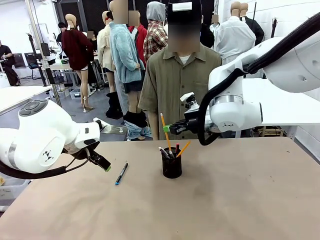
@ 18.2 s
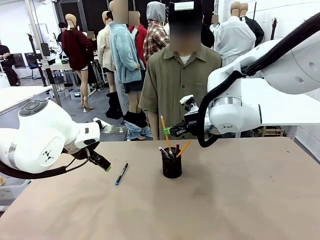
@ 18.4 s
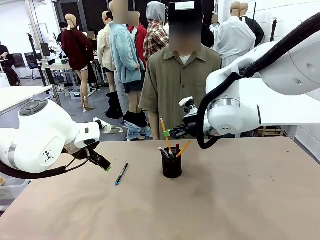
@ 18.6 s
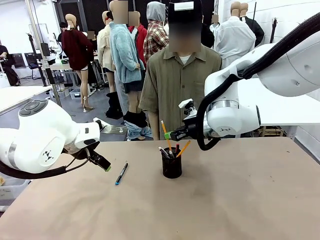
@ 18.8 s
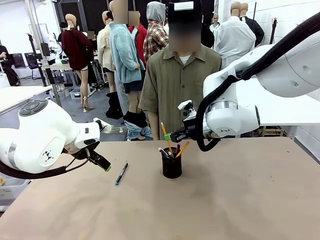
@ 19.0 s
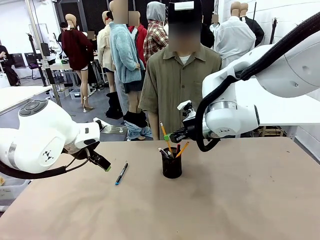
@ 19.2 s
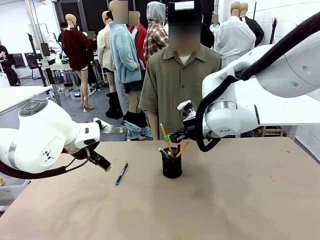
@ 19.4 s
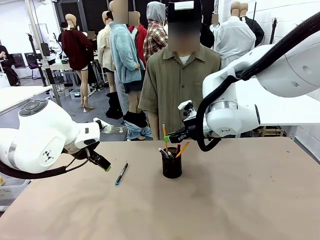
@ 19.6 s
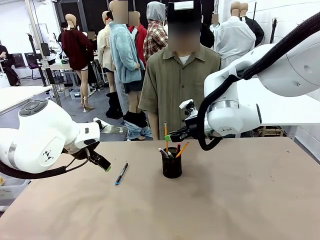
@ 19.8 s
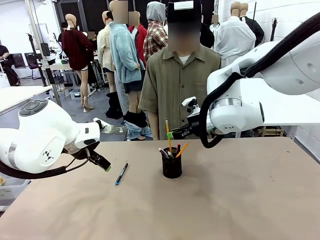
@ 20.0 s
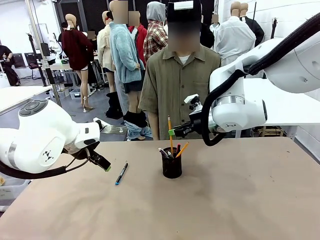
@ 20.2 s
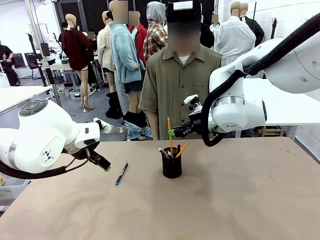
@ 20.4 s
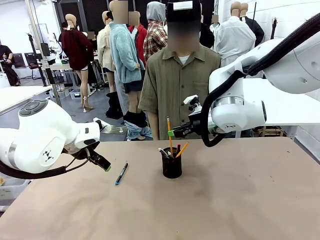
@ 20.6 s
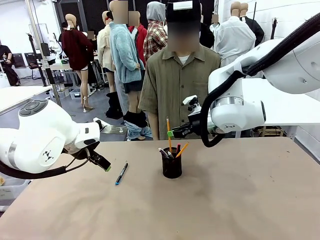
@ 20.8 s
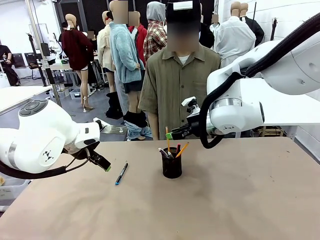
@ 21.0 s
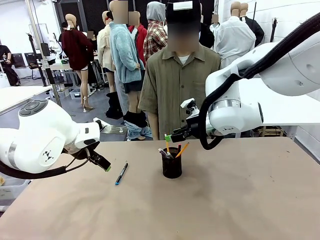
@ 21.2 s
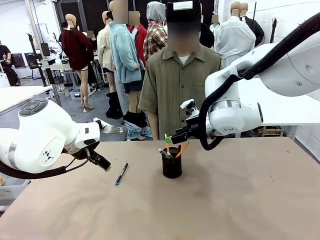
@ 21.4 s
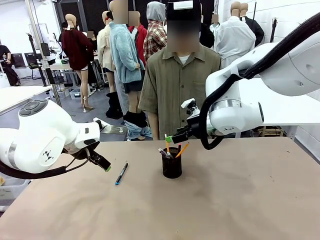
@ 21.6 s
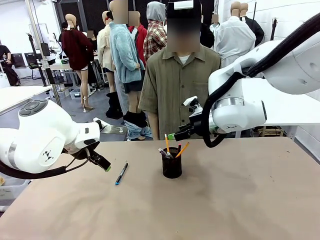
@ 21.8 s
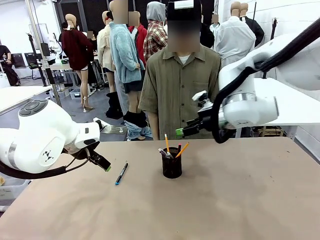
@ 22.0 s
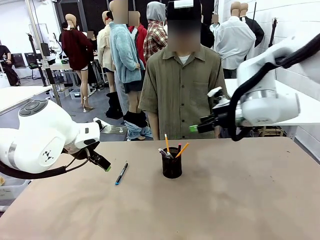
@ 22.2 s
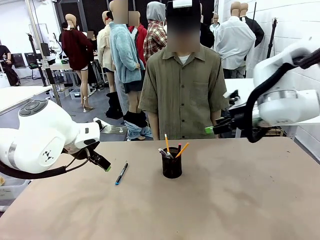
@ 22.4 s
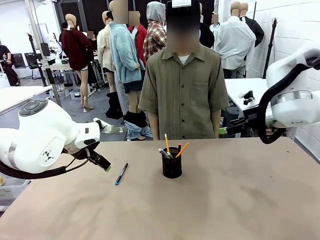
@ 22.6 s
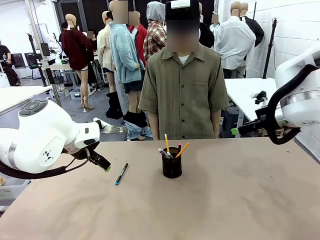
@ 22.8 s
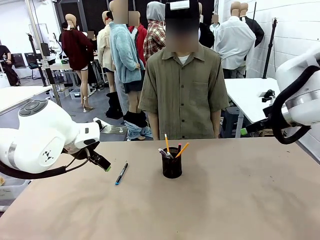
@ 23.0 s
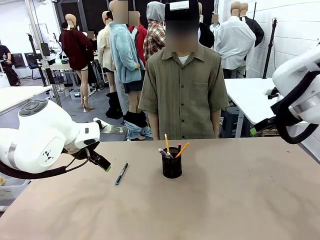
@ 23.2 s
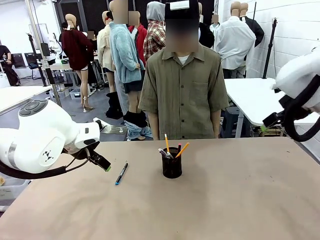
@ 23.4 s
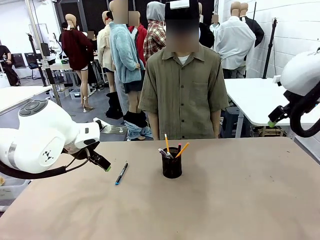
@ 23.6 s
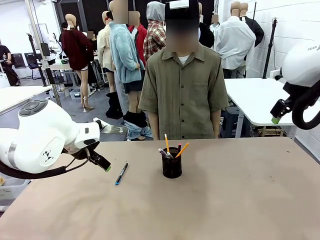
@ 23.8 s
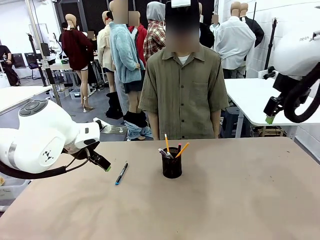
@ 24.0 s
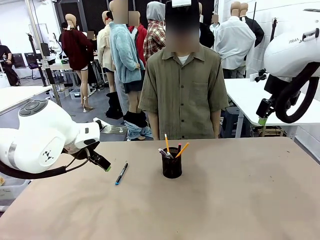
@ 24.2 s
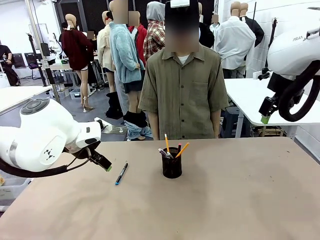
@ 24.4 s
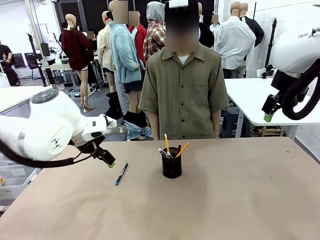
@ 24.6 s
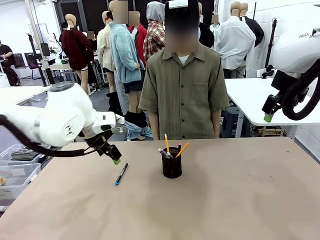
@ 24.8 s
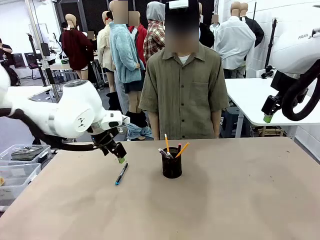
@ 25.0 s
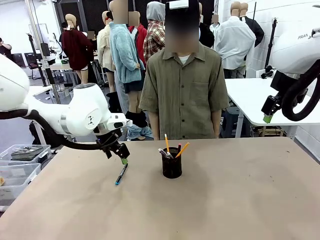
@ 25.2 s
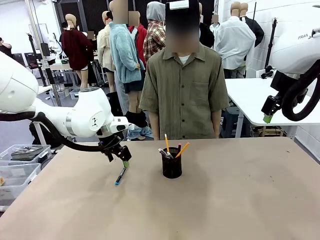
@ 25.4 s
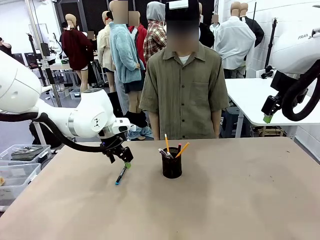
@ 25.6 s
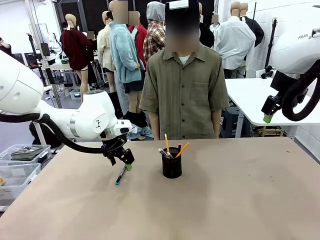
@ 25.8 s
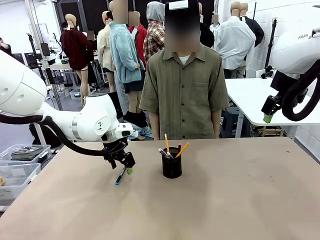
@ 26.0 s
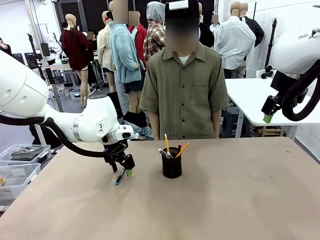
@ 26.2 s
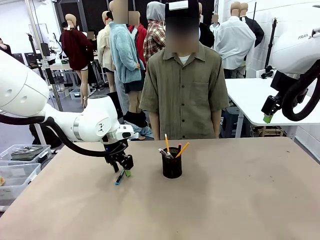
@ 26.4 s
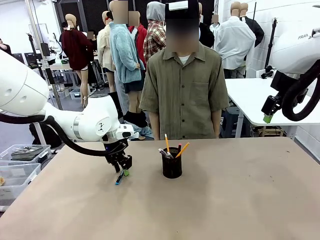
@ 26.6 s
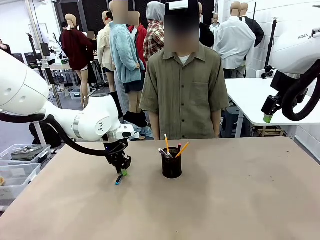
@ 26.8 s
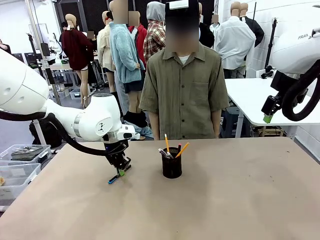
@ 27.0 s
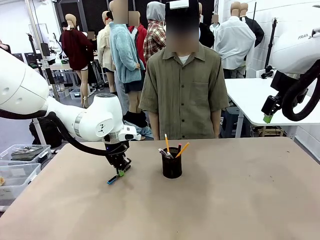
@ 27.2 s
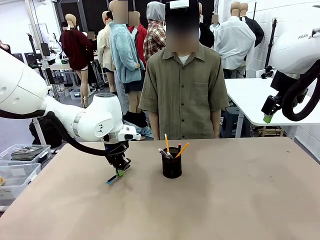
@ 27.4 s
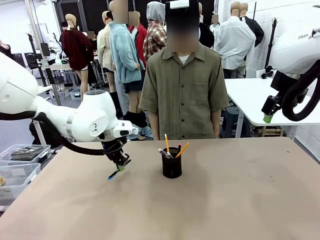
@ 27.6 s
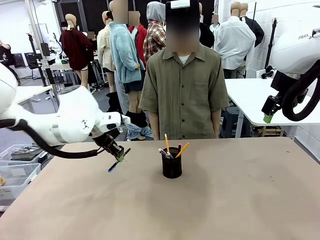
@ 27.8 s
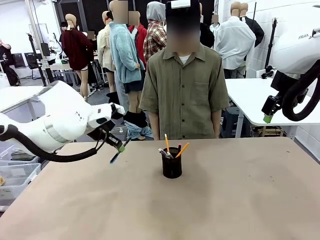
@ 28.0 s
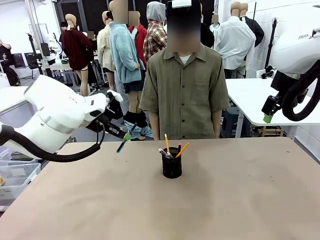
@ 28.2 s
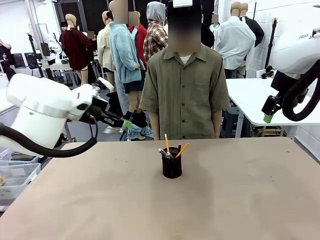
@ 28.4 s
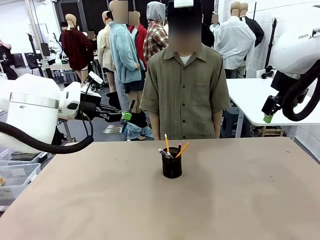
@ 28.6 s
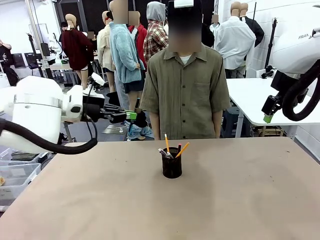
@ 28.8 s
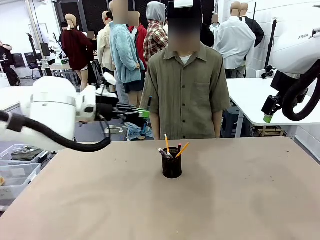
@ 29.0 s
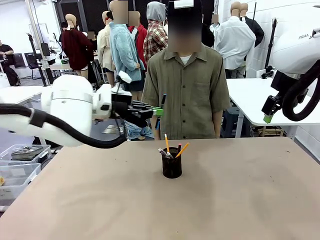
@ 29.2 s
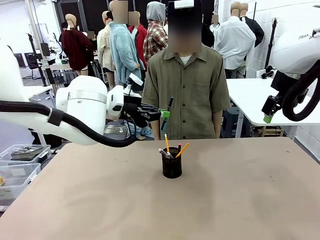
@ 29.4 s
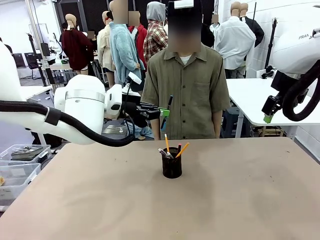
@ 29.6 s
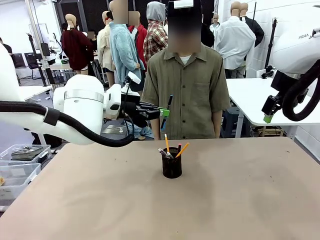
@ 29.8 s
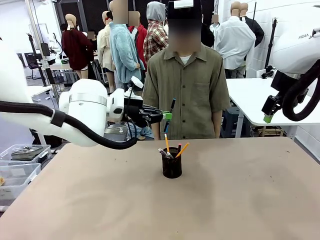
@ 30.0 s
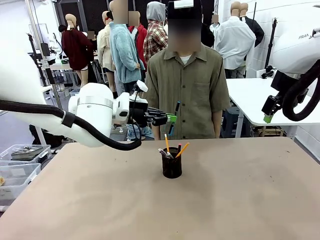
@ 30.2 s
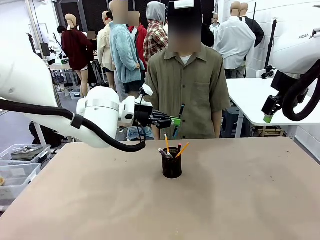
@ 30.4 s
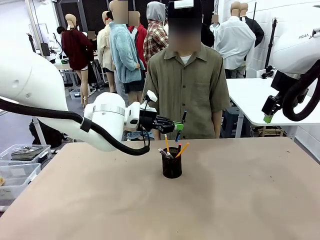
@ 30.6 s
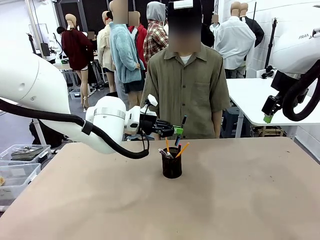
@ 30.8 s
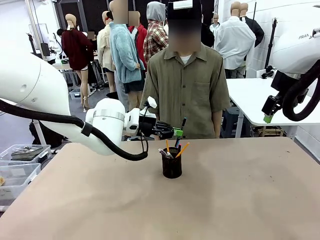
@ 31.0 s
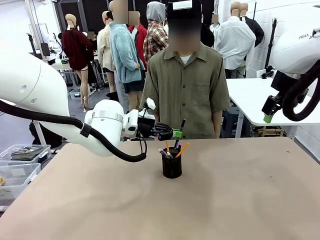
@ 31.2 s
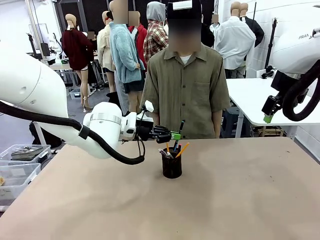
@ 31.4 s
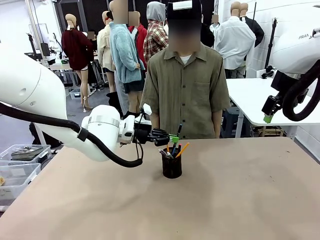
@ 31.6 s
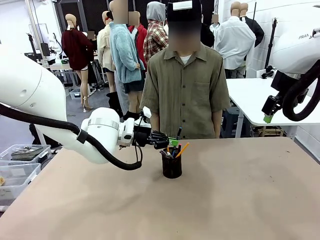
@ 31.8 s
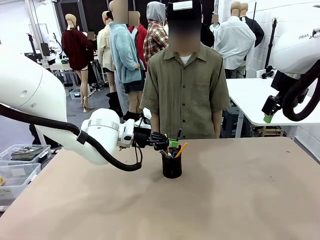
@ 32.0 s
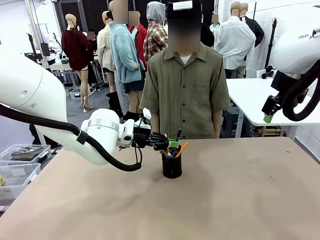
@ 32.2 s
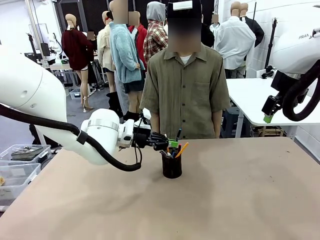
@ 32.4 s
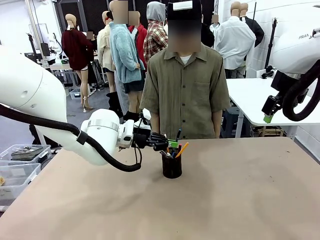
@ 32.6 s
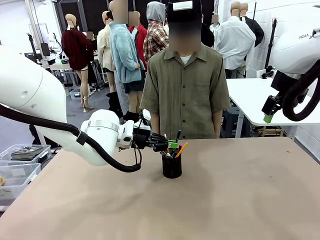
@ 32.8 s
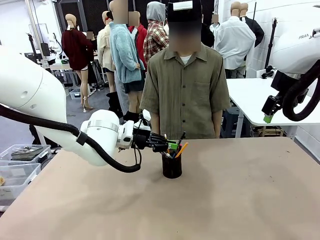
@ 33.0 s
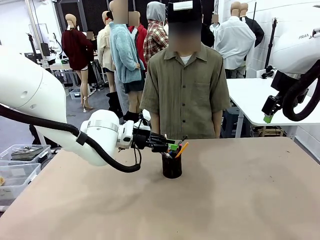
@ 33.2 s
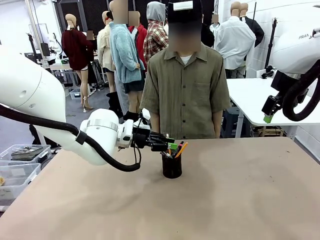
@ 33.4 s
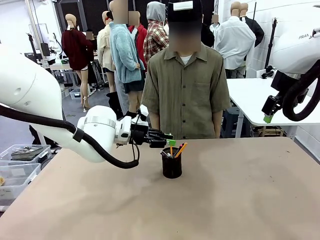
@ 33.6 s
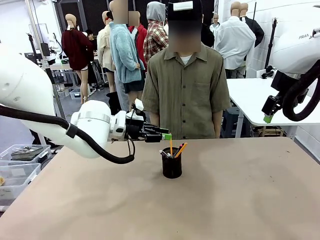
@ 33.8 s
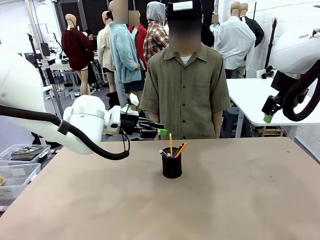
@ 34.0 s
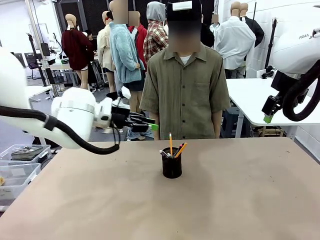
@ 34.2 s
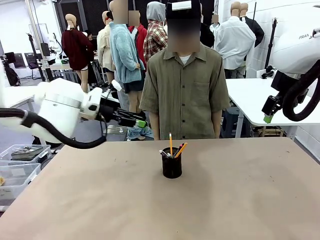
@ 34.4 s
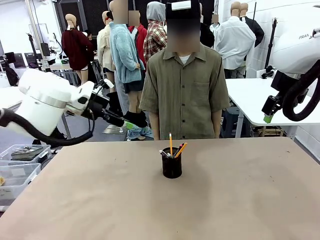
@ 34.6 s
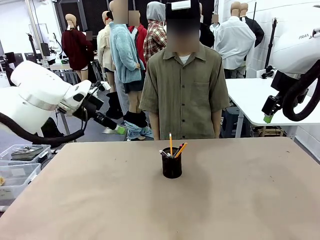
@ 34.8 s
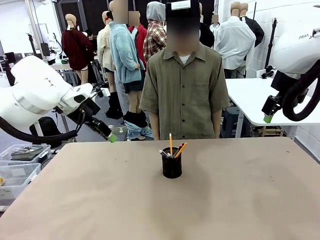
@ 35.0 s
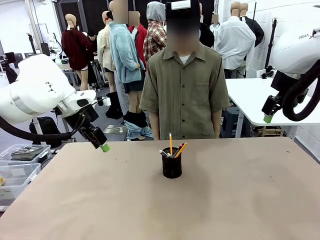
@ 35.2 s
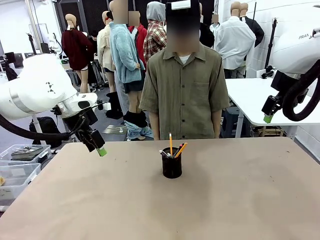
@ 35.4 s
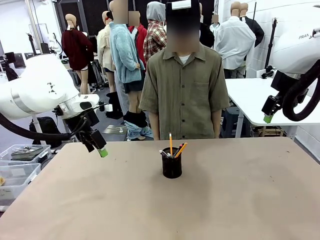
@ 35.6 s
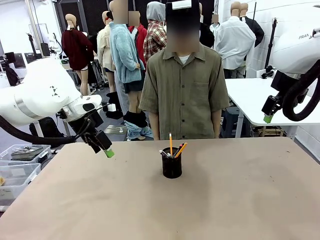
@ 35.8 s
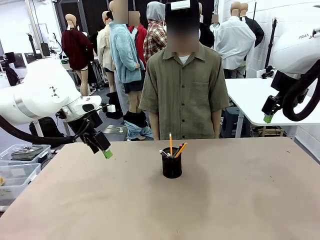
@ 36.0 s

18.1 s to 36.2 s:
Task: Place the pens into the pen holder.
Robot: Pick up a writing instrument from the table and place it into the Pen holder.
Person: Place all writing instrument into the Pen holder.
